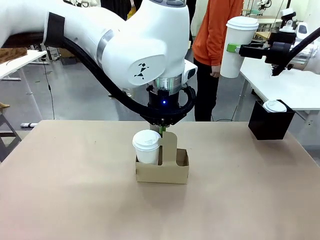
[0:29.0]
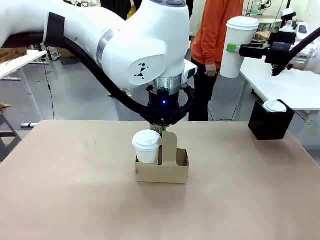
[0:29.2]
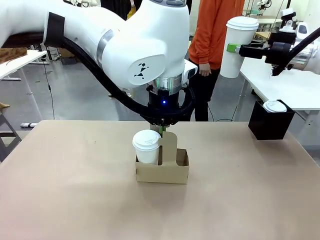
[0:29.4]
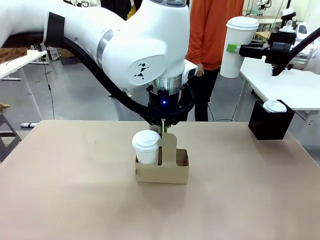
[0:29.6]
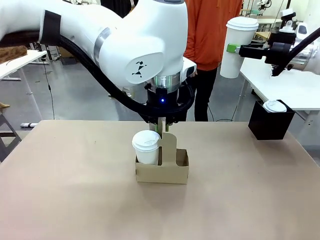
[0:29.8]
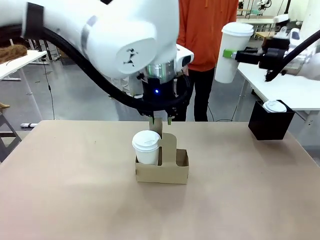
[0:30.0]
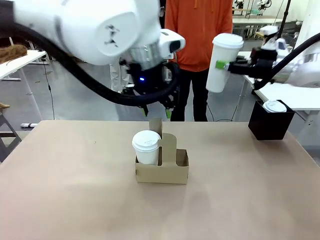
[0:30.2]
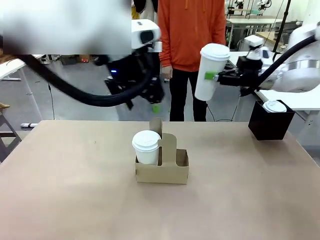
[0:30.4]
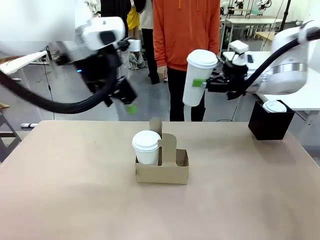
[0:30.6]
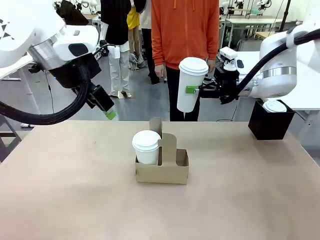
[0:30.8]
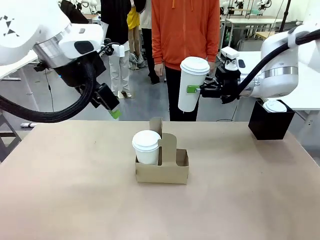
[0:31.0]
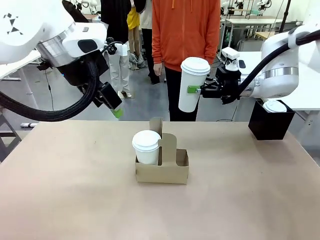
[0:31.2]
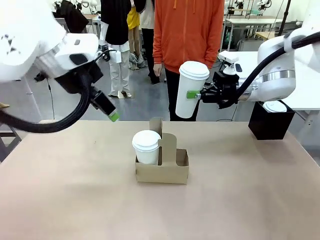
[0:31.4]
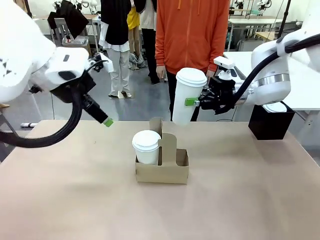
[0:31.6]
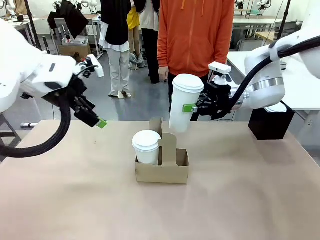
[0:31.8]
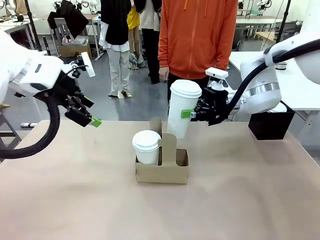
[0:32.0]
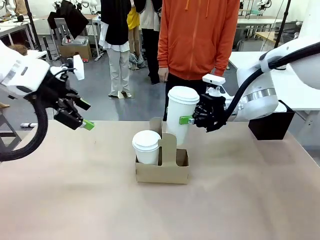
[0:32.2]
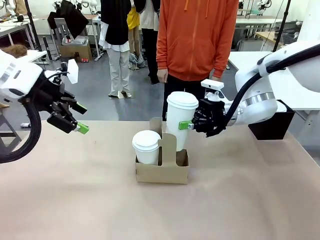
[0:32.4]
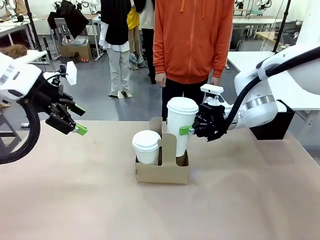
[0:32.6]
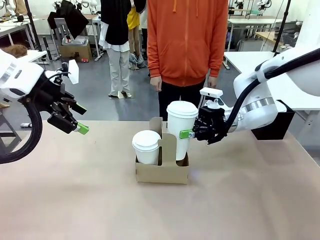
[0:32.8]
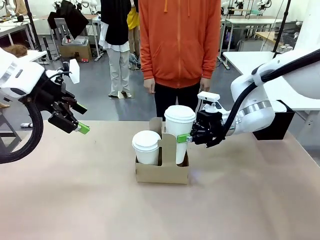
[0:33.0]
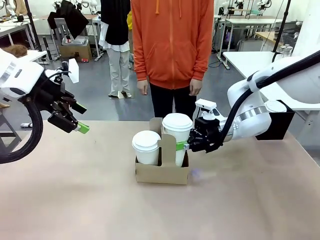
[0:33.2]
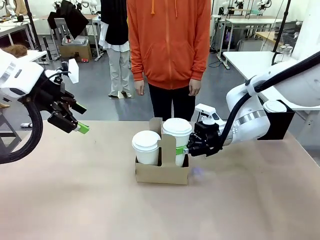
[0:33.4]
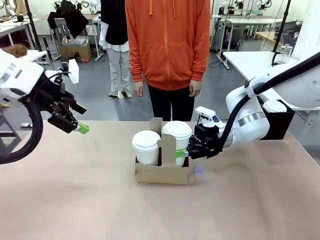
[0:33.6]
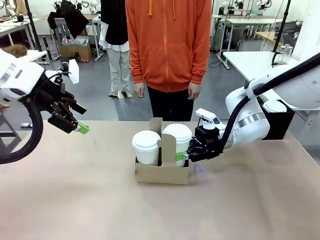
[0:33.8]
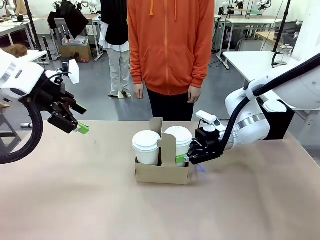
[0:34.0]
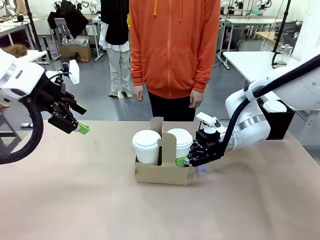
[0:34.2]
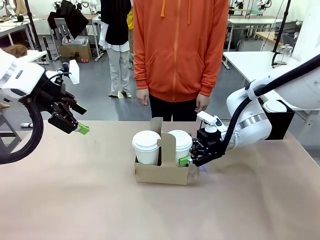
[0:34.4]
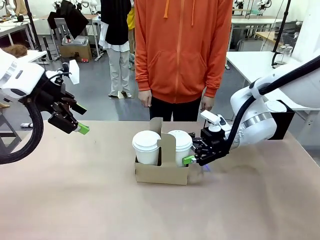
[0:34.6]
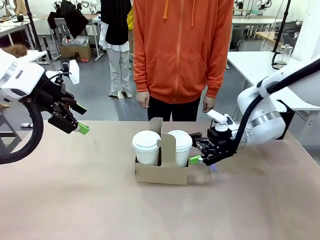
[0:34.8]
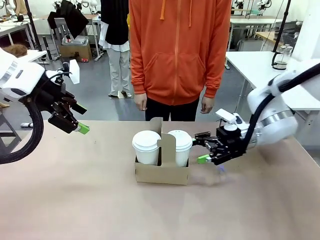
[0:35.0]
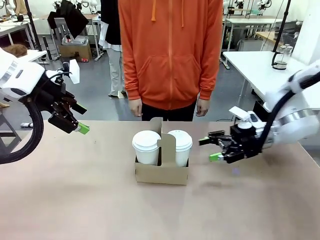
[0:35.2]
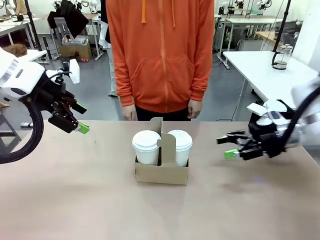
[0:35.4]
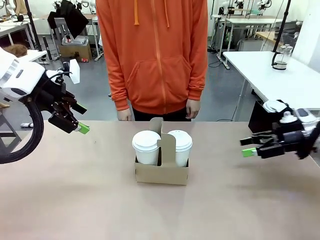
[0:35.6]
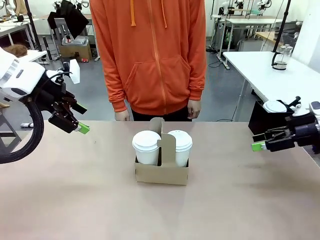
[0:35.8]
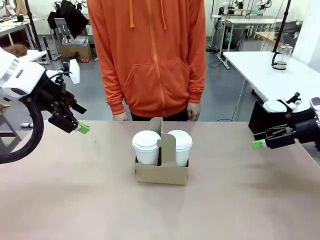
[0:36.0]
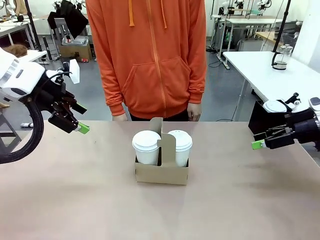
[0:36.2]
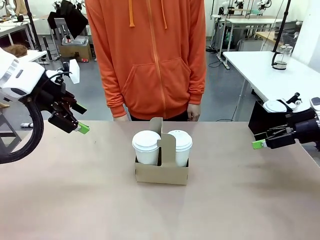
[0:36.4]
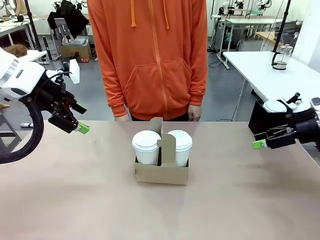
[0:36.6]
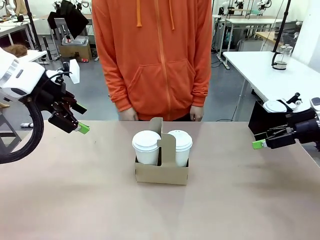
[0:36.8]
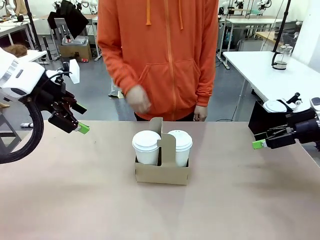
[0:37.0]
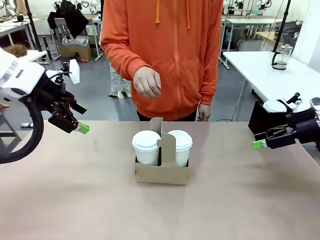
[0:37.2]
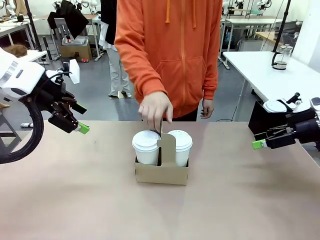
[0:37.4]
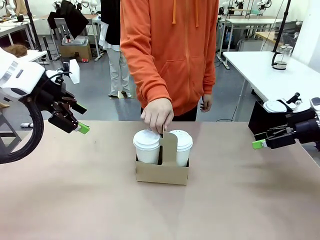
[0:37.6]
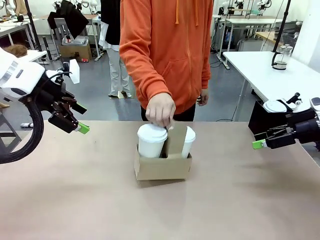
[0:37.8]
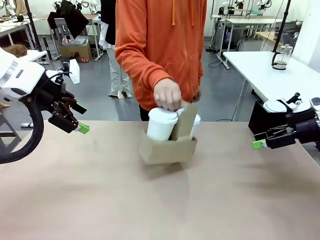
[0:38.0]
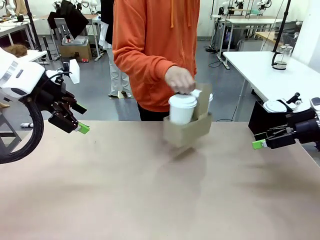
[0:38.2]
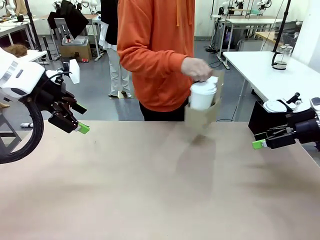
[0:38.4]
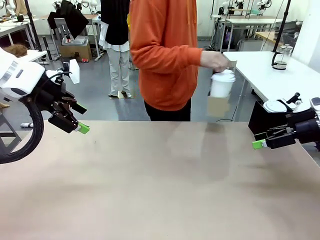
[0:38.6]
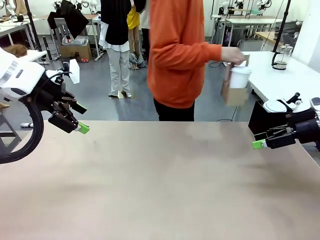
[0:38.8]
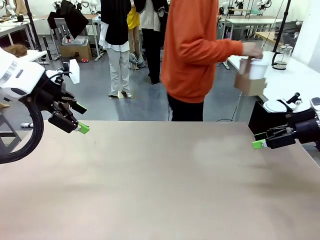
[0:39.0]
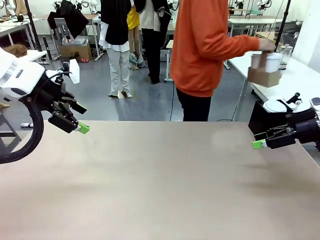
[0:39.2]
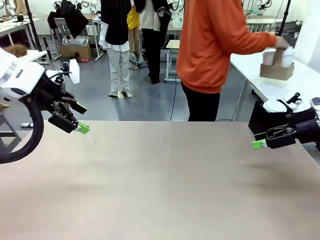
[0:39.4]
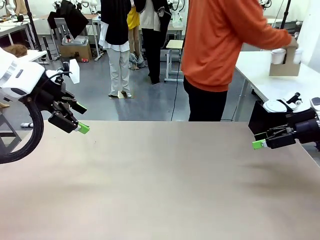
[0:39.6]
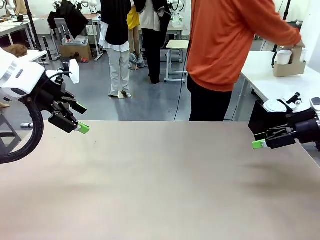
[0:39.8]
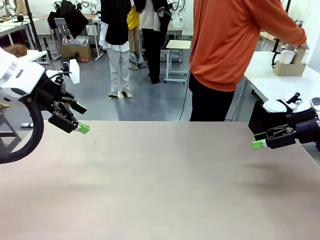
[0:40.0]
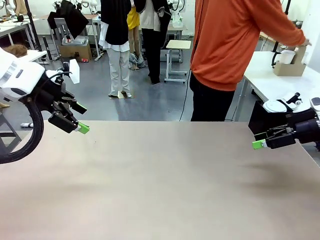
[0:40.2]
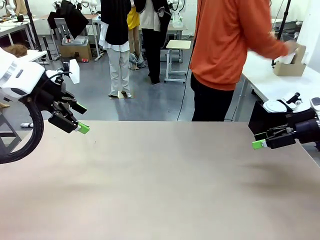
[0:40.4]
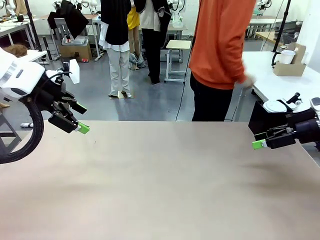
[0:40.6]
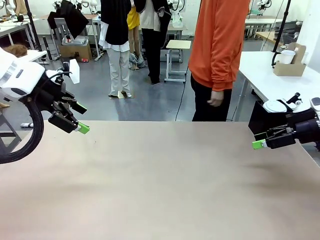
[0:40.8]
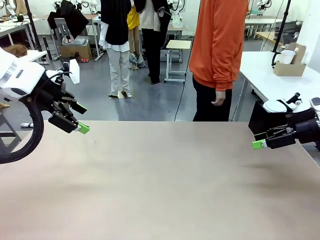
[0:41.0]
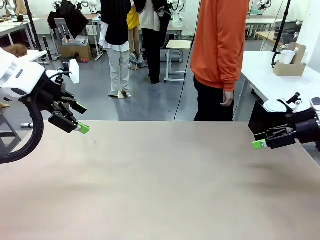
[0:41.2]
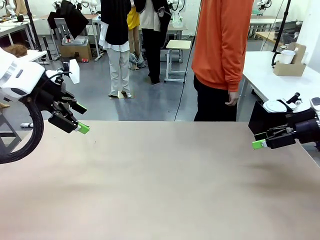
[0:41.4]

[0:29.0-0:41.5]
Task: Pour a drink into a cup and package it in a carrier.
Robot: Insert the held 600 ml Paper Cup into the Cup Carrier.
Person: Place the Cup Carrier to the middle of Human table.

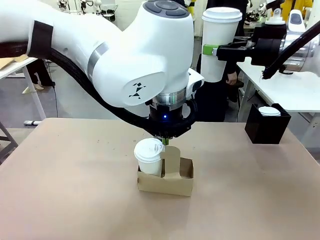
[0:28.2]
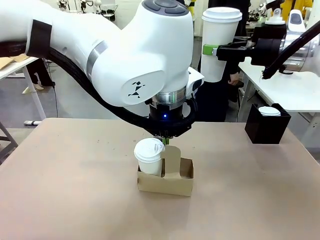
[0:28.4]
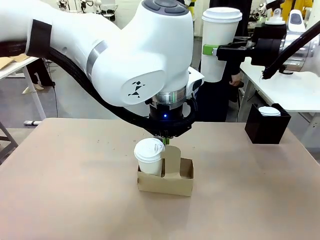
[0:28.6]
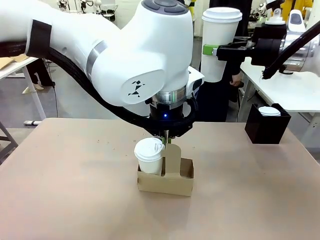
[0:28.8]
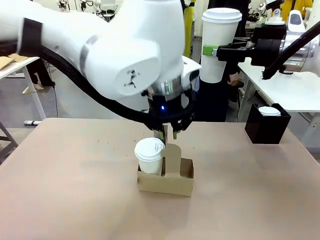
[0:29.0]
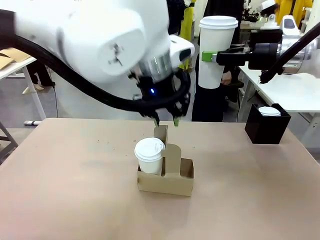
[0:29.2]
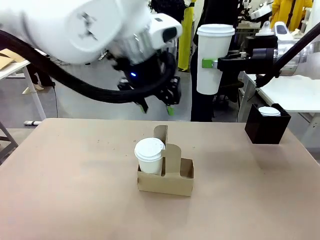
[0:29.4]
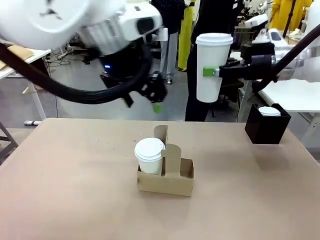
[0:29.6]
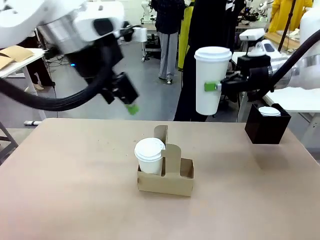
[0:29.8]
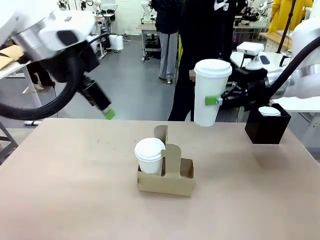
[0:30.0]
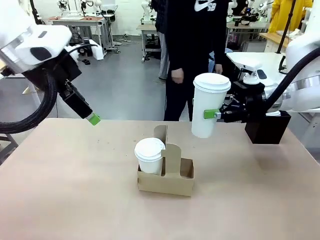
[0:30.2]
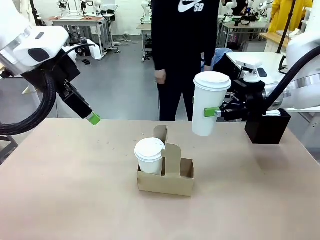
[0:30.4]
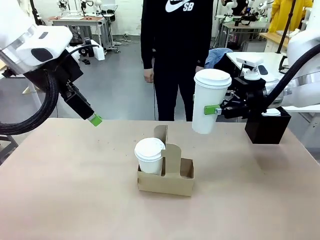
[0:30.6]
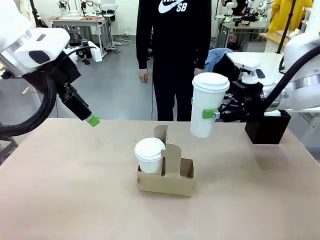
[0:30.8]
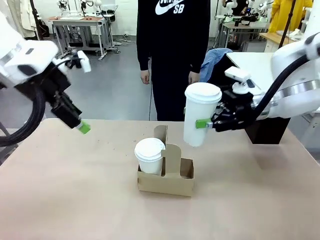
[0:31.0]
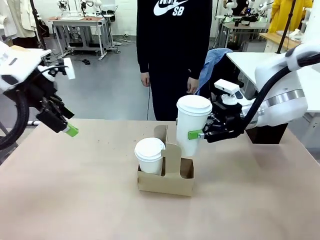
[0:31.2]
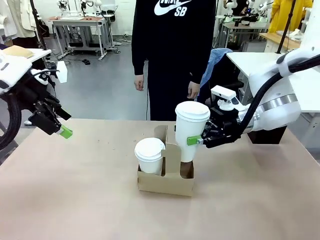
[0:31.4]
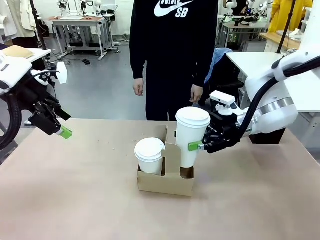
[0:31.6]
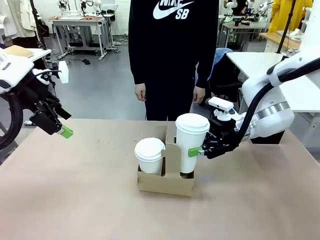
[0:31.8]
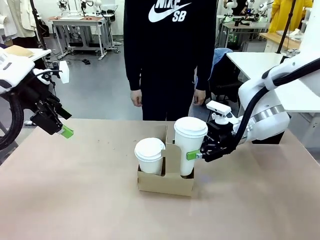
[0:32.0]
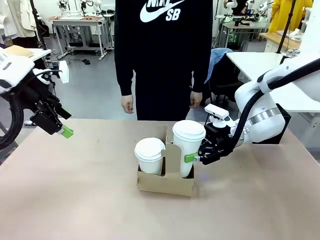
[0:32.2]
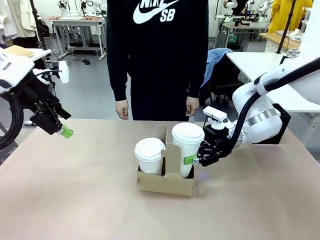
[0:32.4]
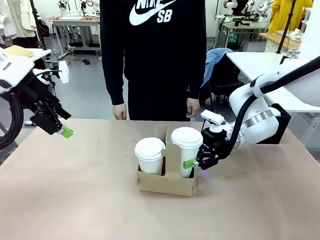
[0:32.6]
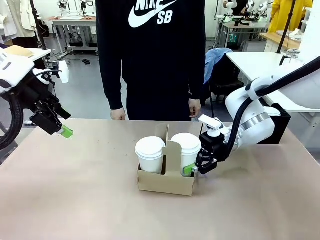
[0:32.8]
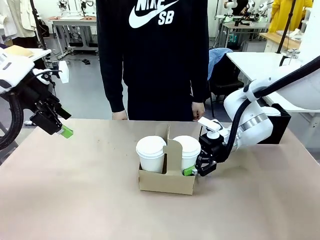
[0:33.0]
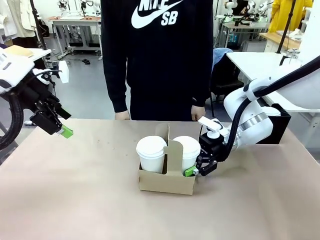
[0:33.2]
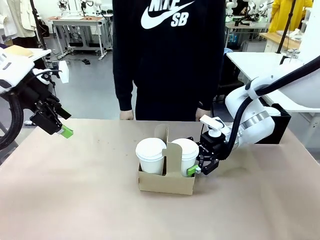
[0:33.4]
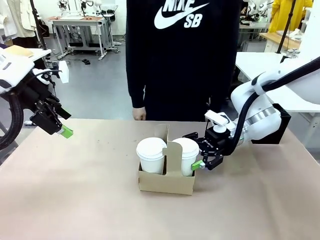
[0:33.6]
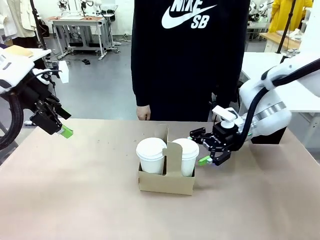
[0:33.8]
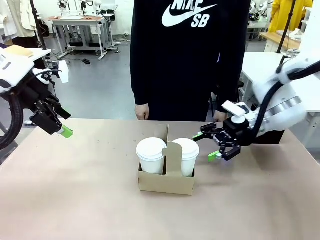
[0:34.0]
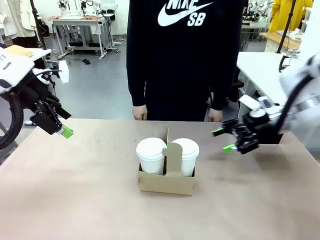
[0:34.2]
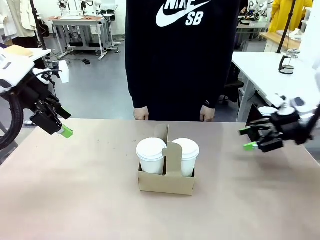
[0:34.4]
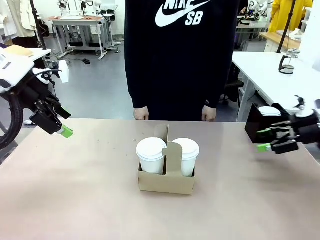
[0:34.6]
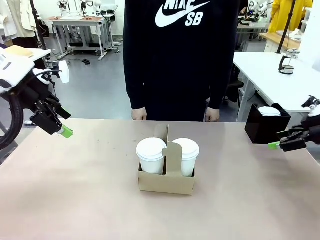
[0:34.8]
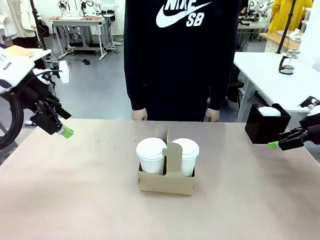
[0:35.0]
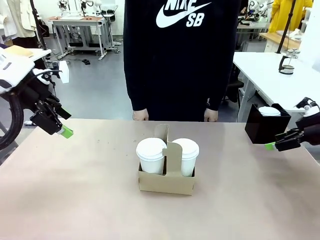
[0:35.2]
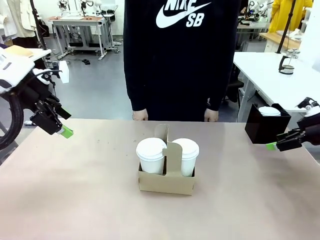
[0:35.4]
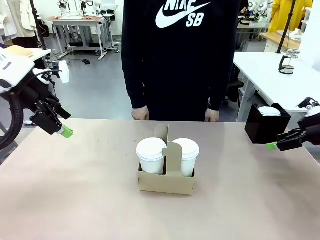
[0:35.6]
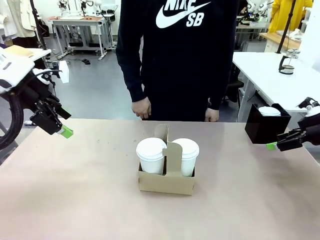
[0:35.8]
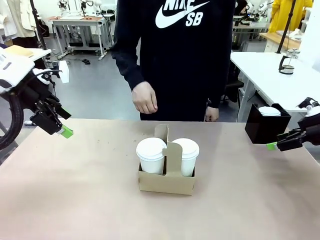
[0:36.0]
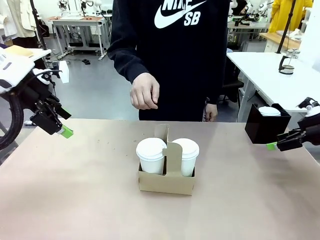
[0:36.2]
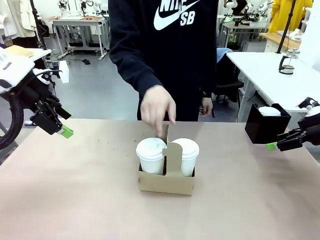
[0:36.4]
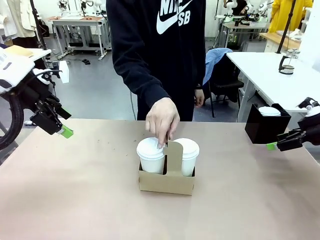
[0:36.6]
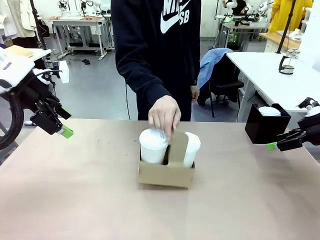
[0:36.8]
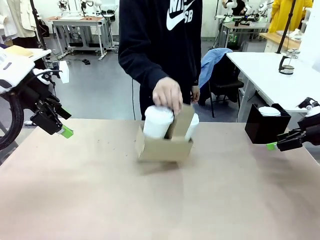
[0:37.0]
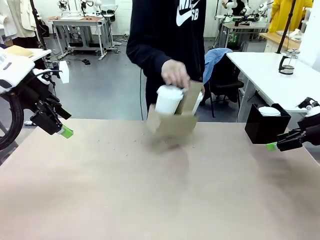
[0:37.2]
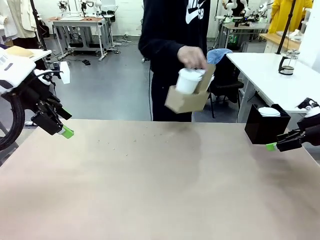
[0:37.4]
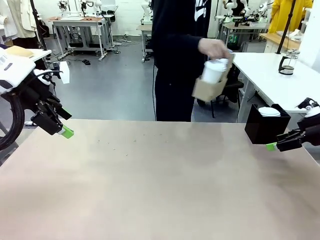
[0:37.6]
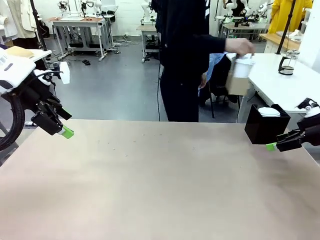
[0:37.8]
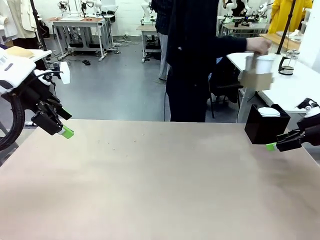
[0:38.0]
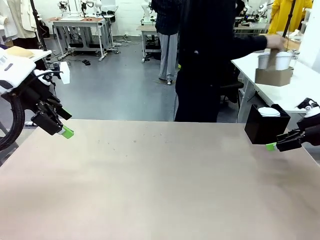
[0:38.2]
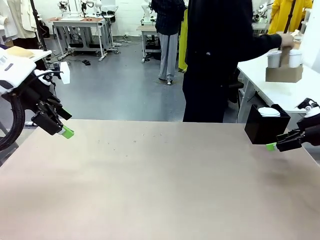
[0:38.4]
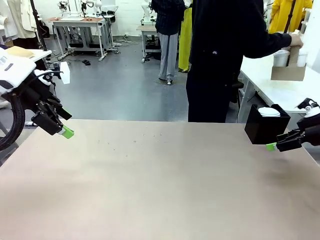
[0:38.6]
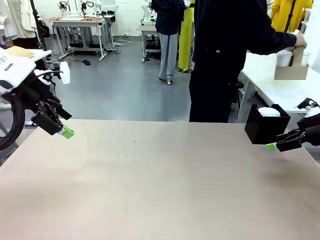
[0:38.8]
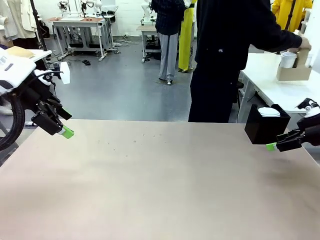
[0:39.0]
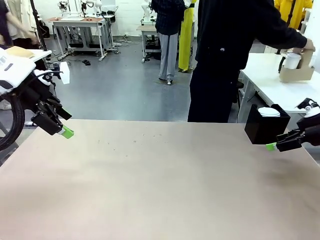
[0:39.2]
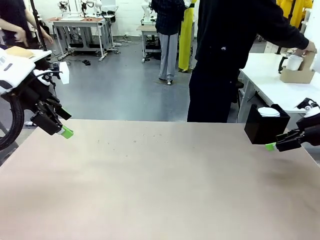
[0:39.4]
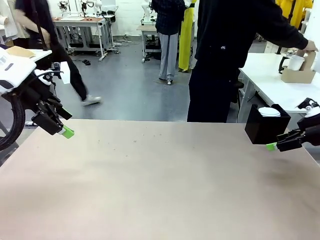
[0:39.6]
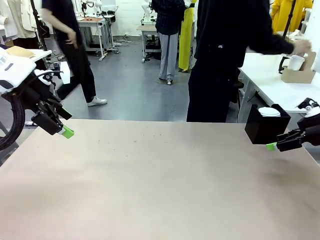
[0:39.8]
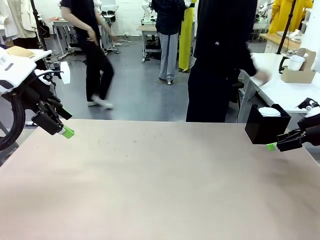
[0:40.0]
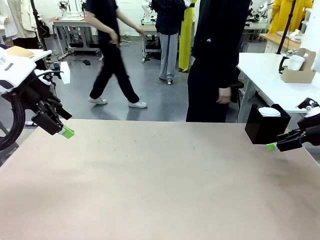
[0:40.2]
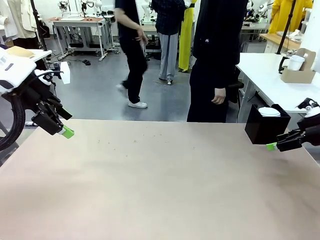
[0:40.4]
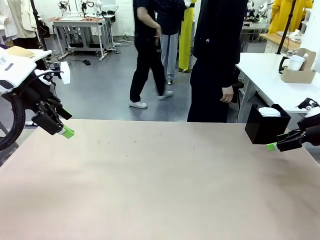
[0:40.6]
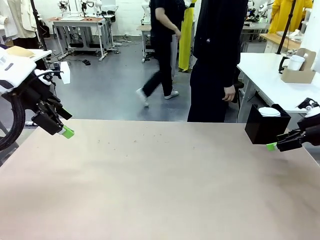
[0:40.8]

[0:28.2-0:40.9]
Task: Pour a drink into a cup and package it in a carrier.
Robot: Insert the held 600 ml Paper Cup into the Cup Carrier.
Person: Place the Cup Carrier to the middle of Human table.
